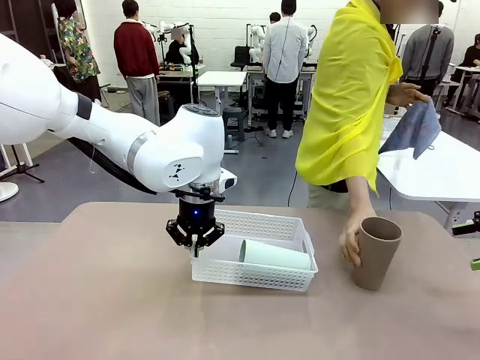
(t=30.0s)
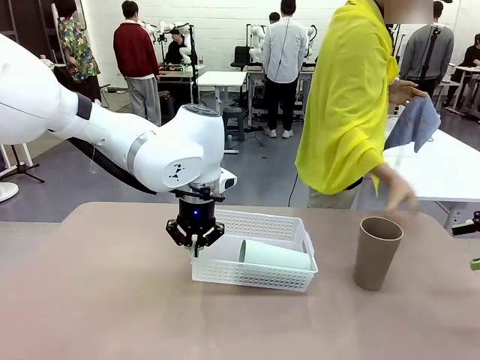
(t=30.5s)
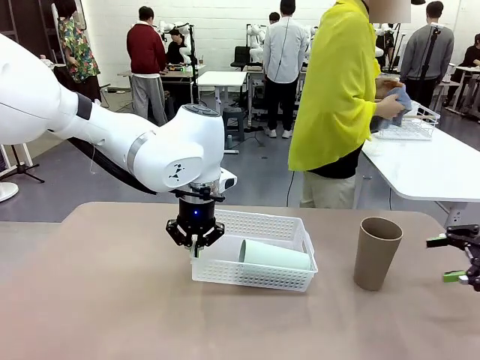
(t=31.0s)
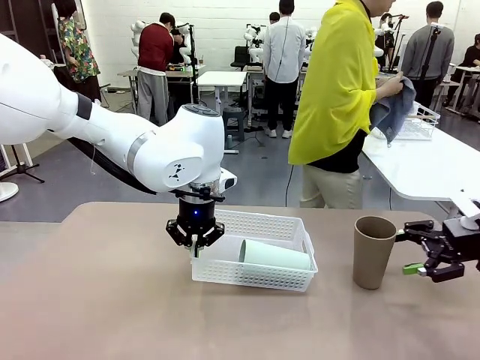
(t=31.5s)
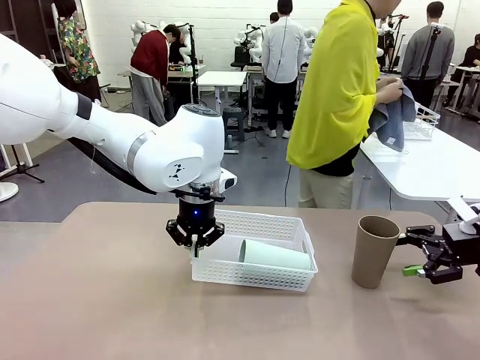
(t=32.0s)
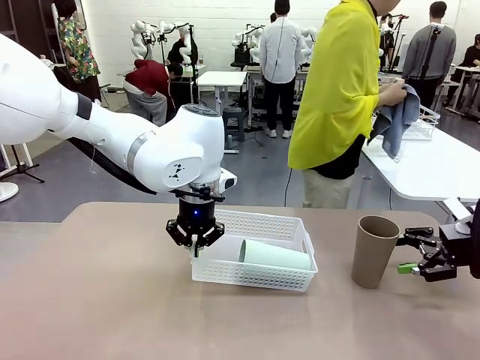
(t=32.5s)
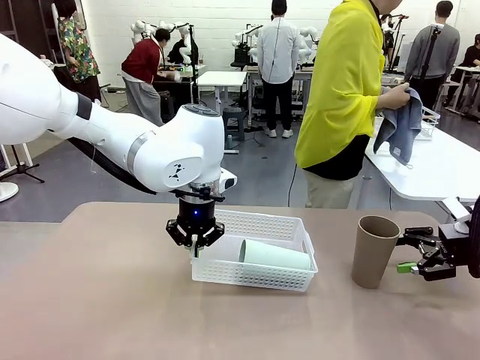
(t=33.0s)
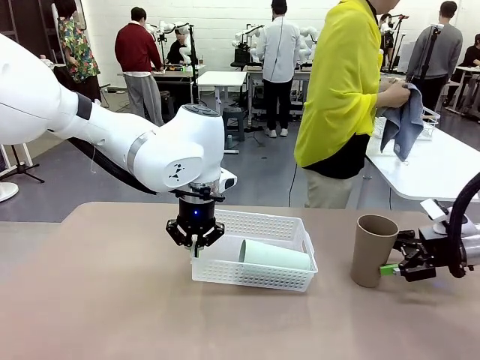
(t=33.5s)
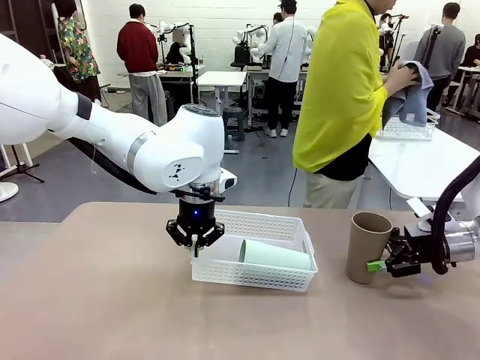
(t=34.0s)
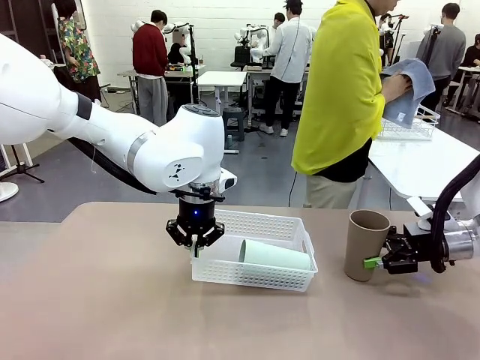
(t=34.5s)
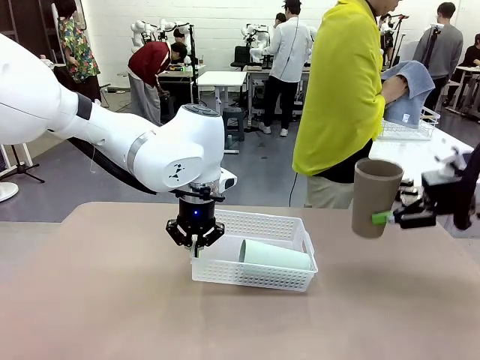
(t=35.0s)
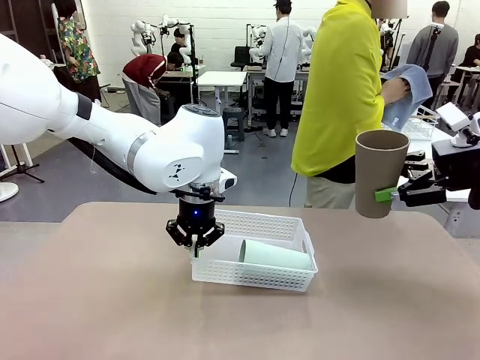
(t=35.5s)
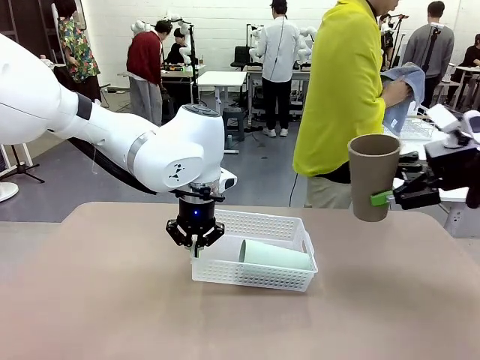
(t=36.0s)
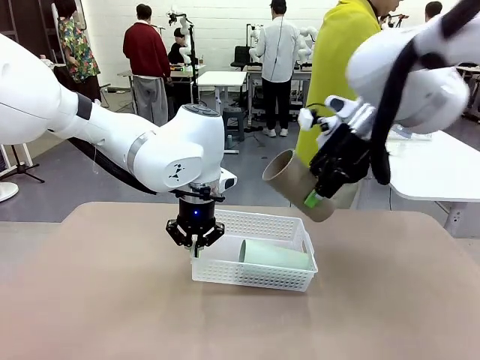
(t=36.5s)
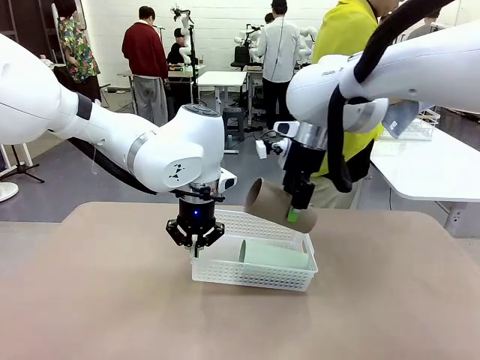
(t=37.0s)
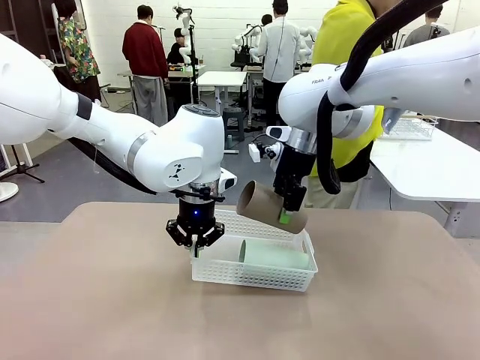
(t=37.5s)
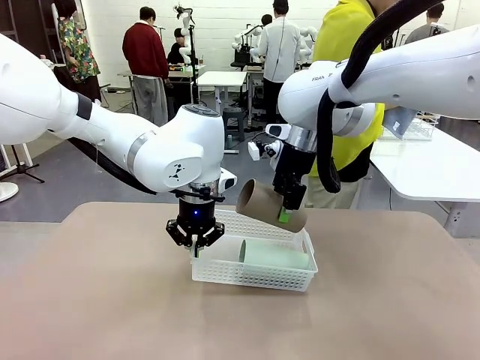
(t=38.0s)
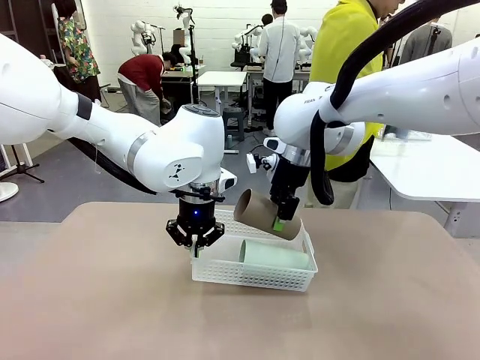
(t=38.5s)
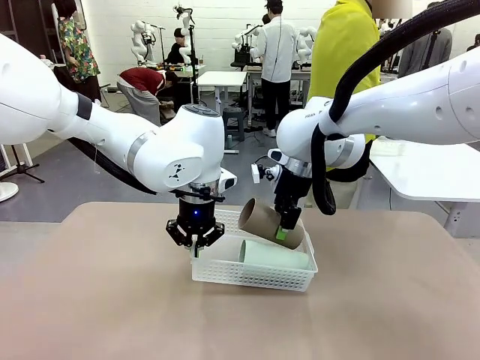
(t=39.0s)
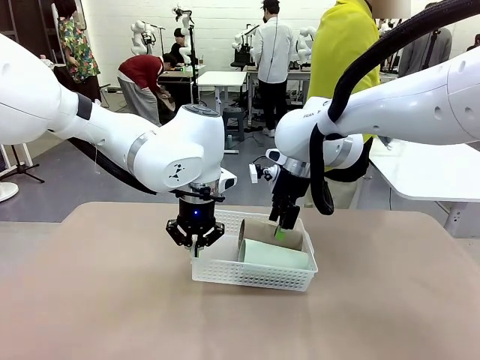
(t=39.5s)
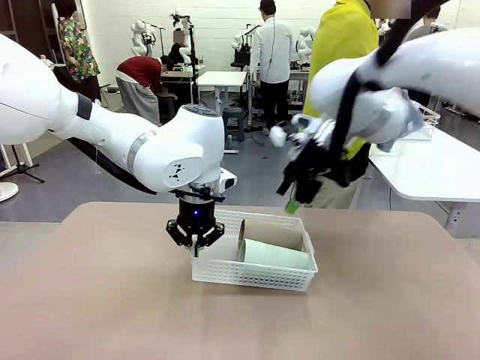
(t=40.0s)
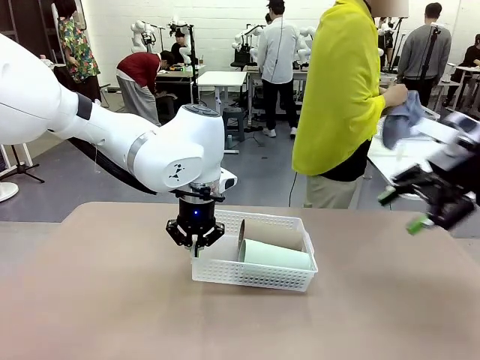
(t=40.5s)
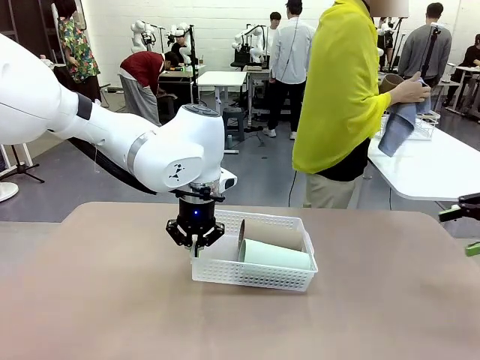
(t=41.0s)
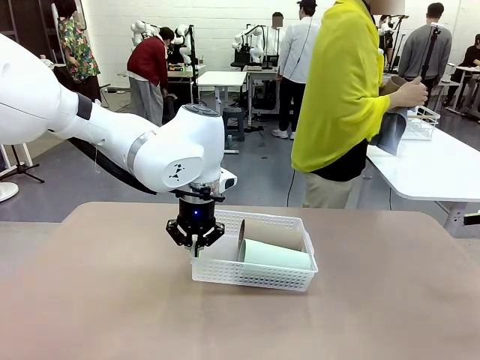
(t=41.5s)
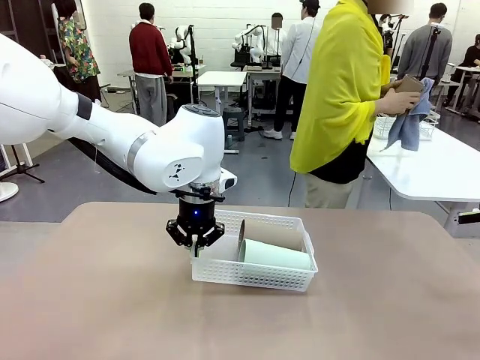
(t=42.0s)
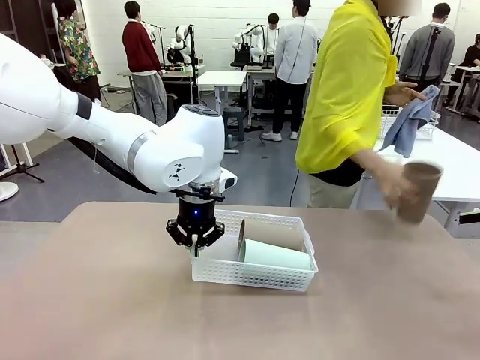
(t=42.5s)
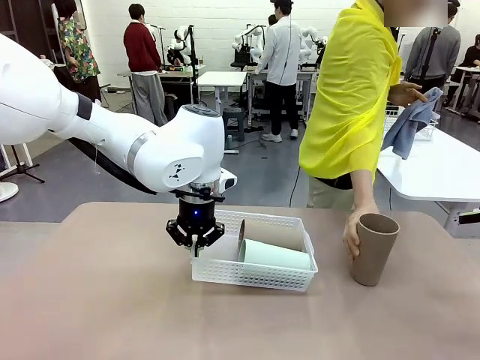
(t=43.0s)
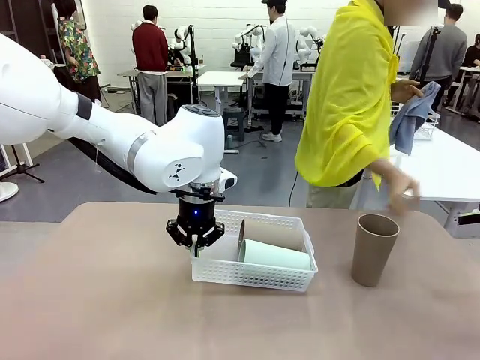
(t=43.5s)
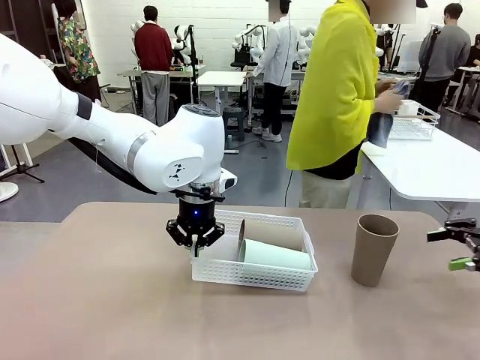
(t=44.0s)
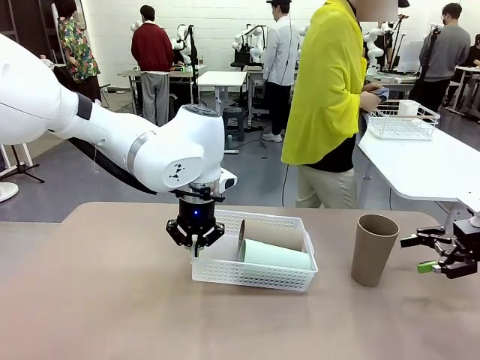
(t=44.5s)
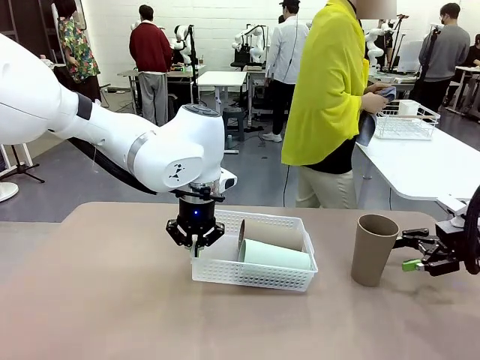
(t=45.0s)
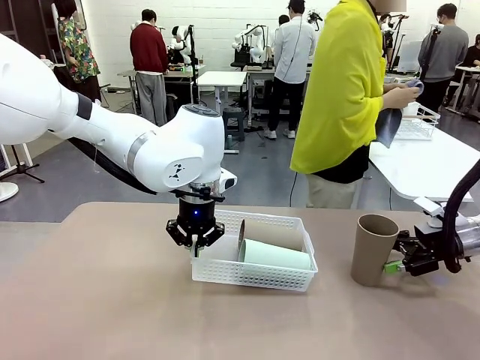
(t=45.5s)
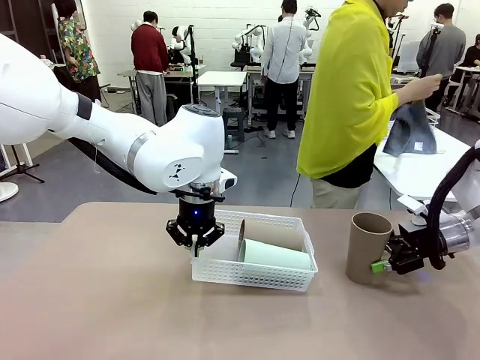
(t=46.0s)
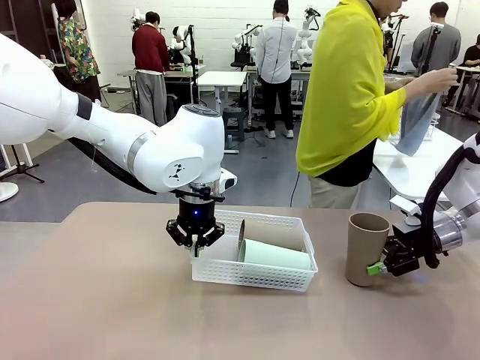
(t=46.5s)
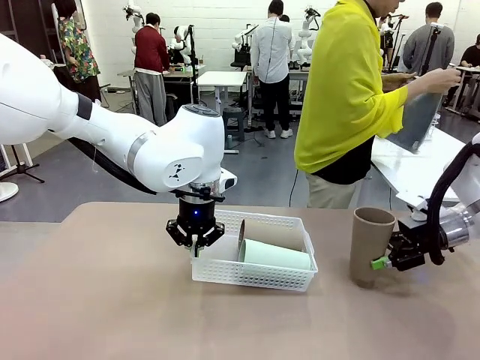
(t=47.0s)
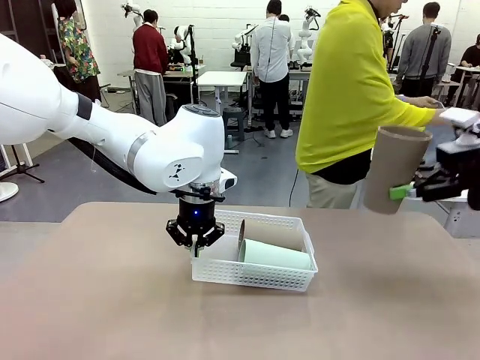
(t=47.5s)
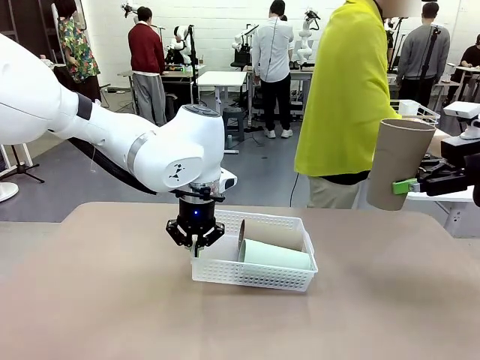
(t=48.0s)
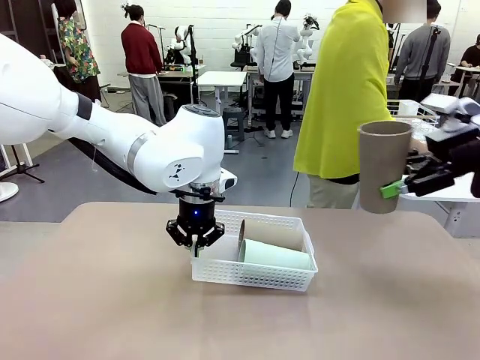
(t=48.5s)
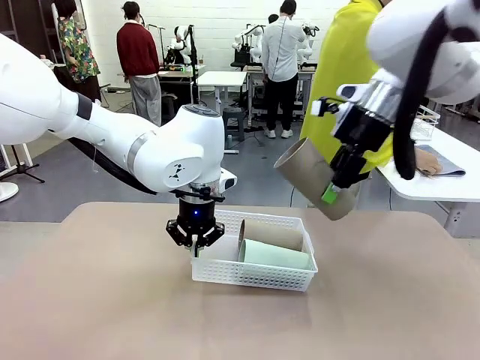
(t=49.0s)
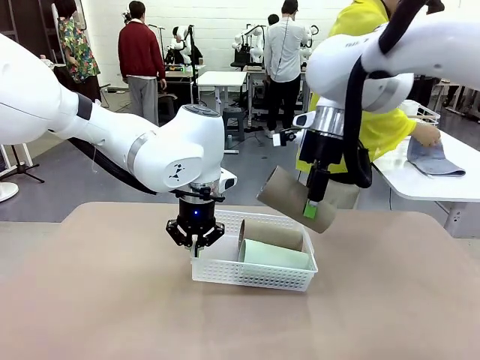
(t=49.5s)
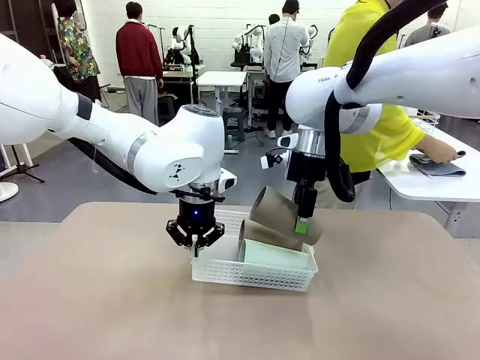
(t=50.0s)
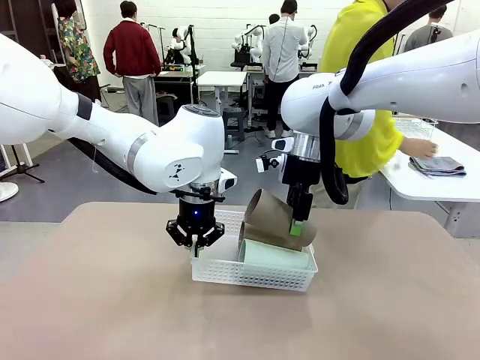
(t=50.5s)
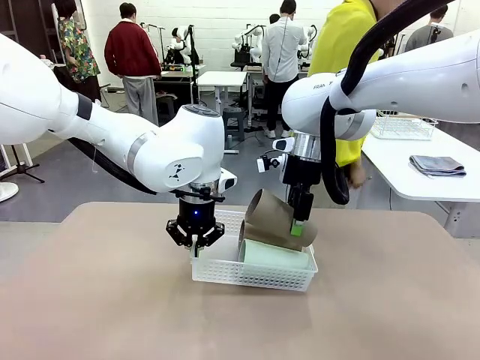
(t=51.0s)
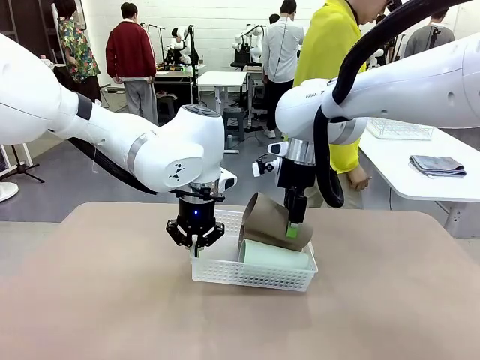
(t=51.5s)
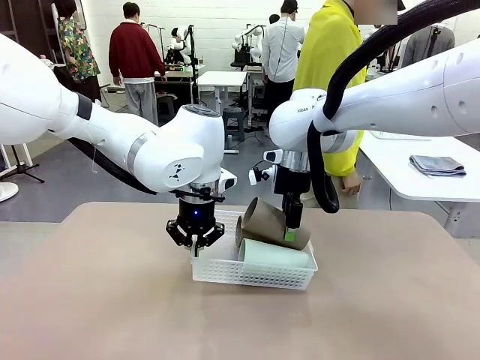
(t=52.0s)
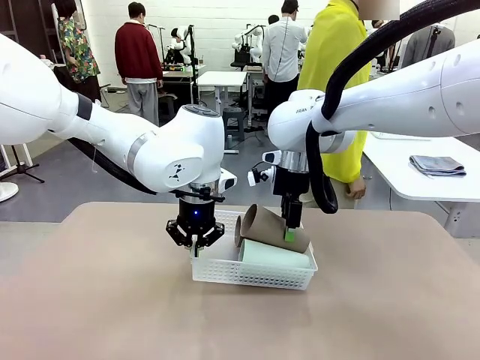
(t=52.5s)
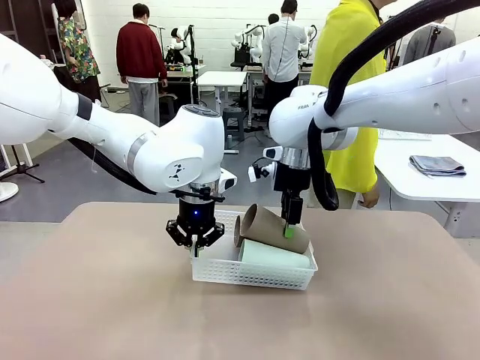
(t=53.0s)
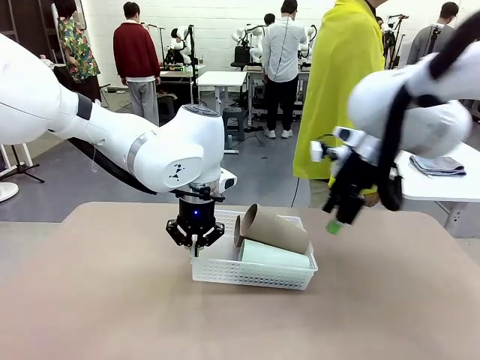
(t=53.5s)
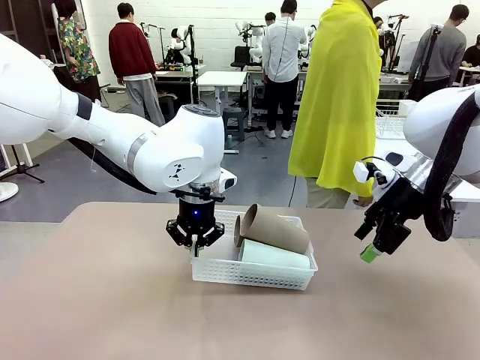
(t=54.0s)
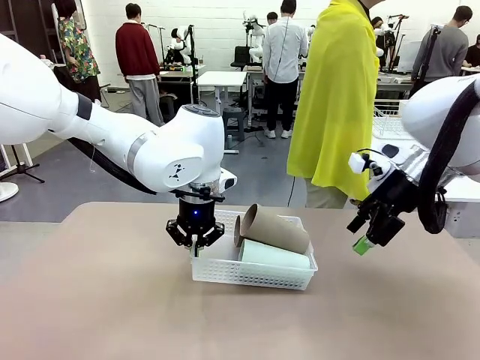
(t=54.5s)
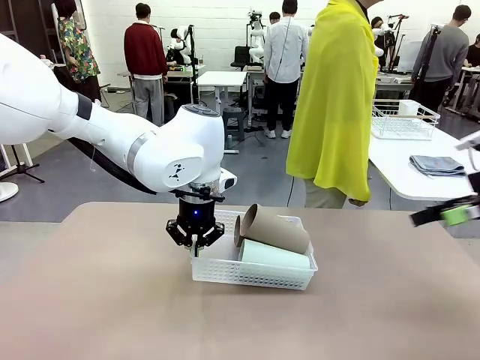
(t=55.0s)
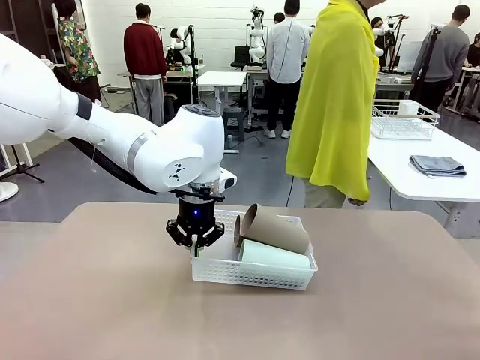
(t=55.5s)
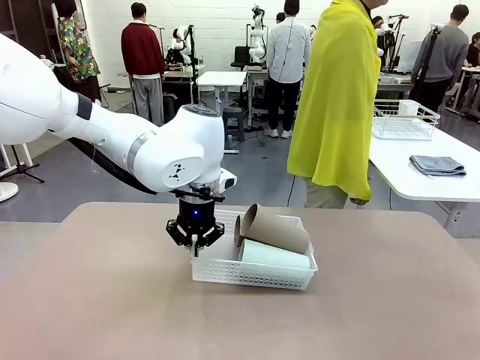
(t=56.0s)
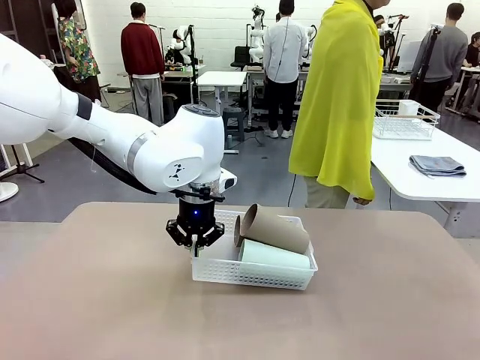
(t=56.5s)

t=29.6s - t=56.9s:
Task: Clean and organize the cups into the basket.
Robot: Pick up the Reusable plastic cup from the right side of the table and stack it inside the Organizing basket in the center of the table.
Person: Folds the towel in half twice and places it in the right of the table.
